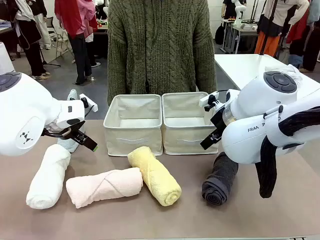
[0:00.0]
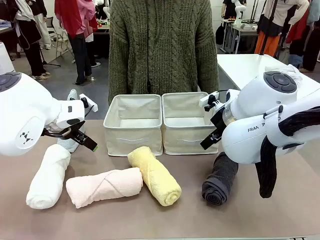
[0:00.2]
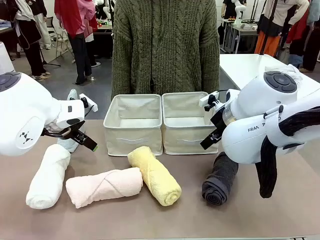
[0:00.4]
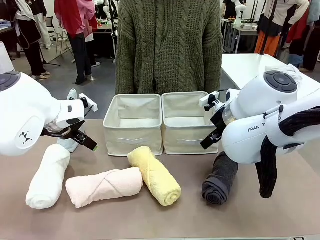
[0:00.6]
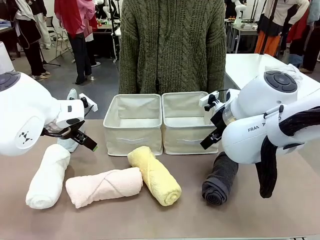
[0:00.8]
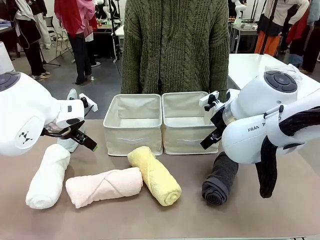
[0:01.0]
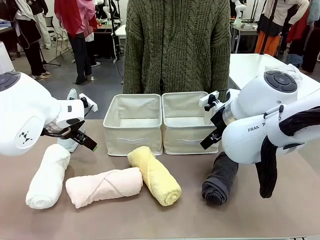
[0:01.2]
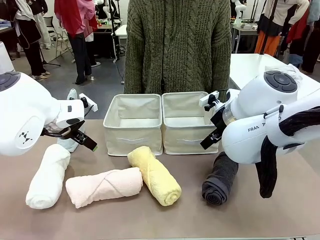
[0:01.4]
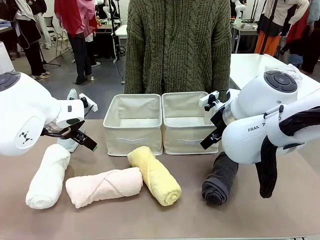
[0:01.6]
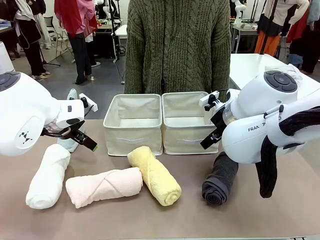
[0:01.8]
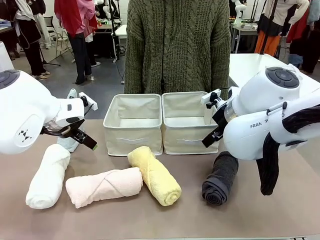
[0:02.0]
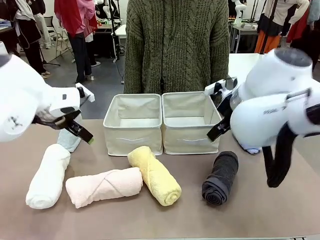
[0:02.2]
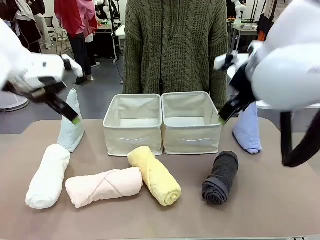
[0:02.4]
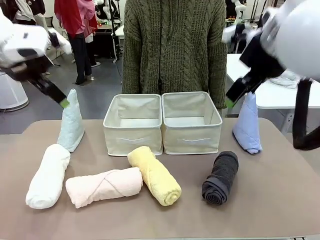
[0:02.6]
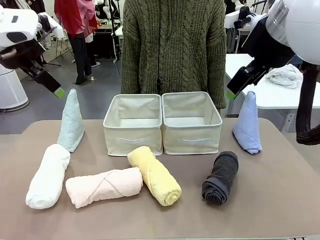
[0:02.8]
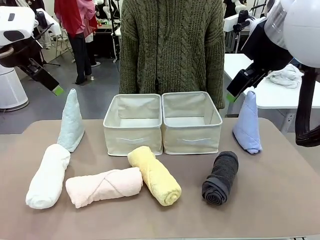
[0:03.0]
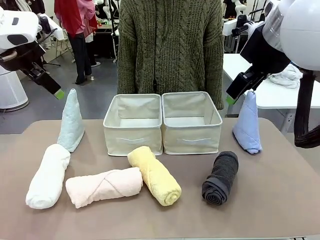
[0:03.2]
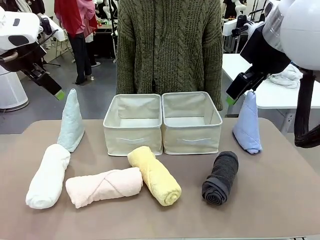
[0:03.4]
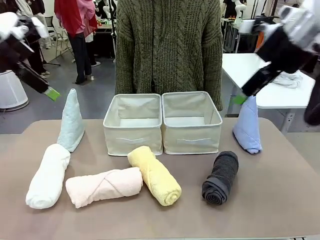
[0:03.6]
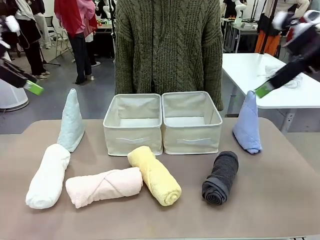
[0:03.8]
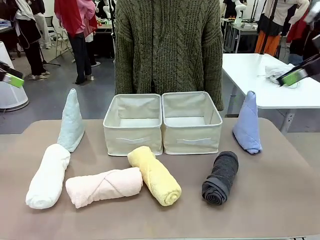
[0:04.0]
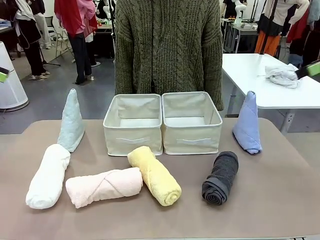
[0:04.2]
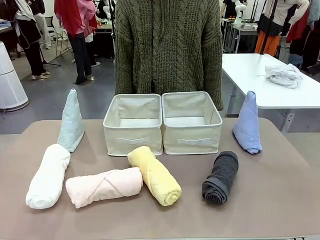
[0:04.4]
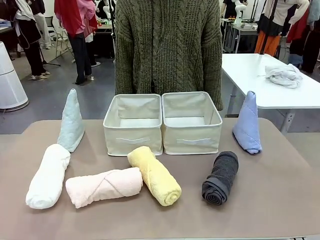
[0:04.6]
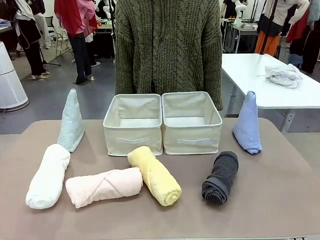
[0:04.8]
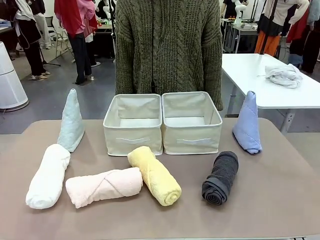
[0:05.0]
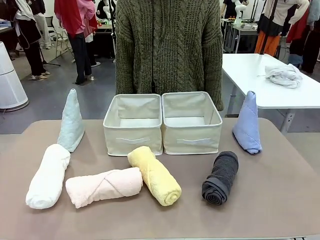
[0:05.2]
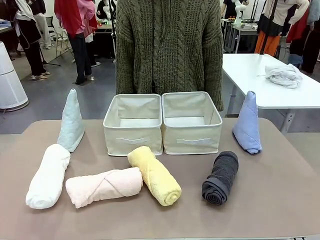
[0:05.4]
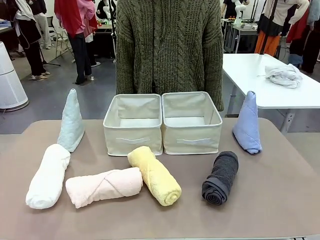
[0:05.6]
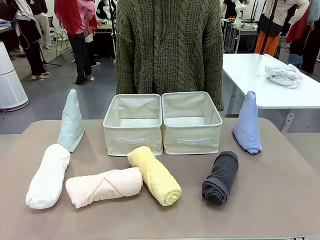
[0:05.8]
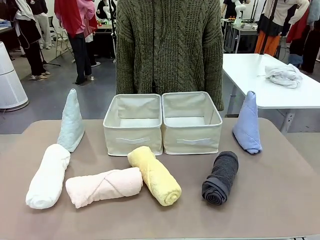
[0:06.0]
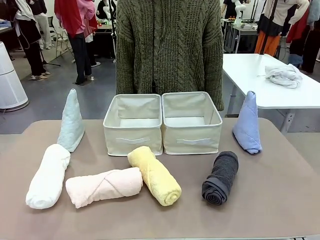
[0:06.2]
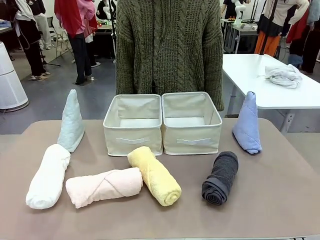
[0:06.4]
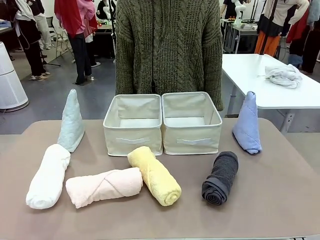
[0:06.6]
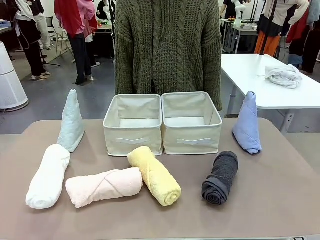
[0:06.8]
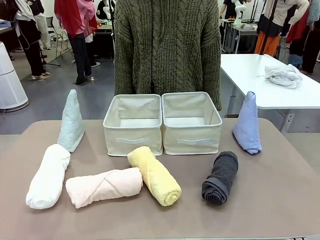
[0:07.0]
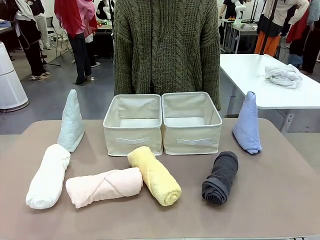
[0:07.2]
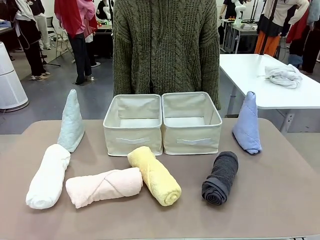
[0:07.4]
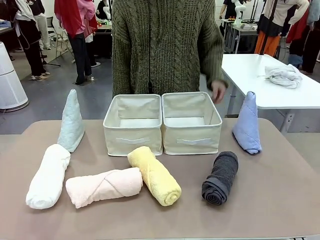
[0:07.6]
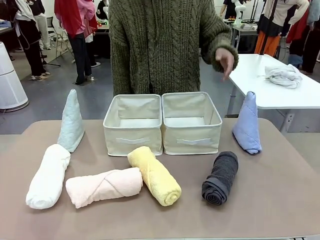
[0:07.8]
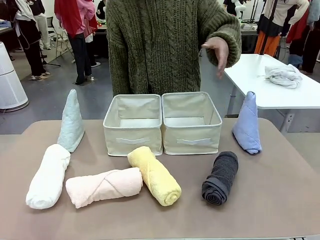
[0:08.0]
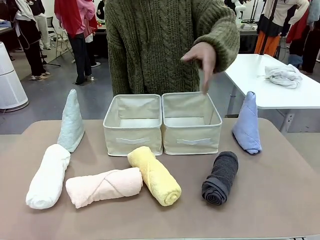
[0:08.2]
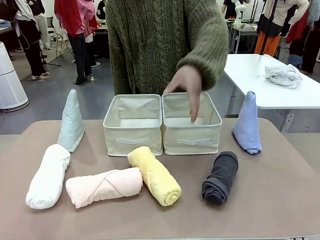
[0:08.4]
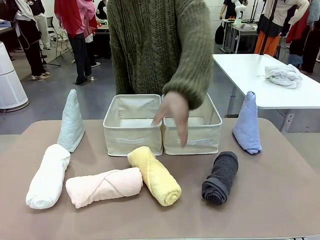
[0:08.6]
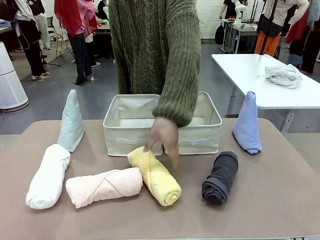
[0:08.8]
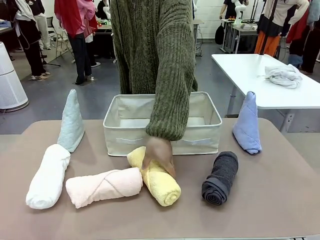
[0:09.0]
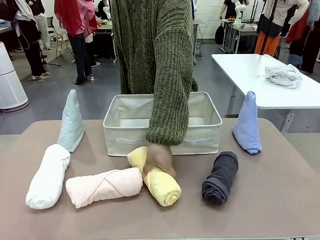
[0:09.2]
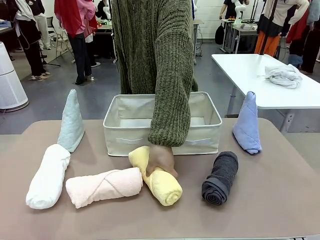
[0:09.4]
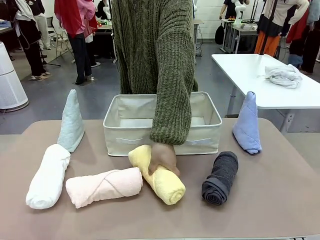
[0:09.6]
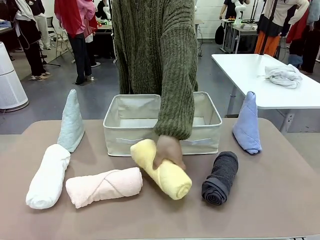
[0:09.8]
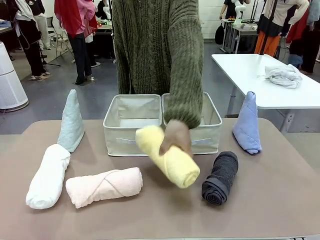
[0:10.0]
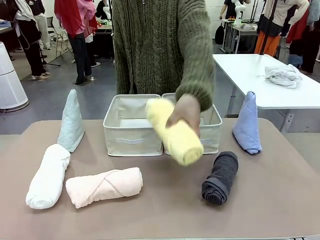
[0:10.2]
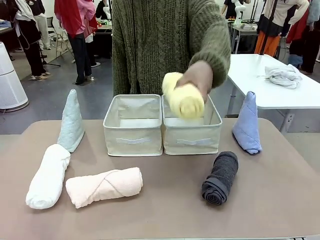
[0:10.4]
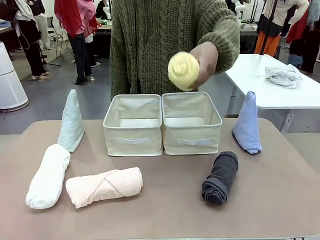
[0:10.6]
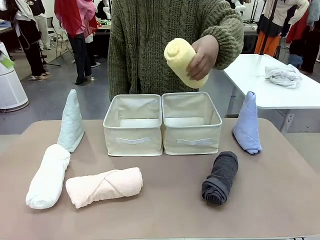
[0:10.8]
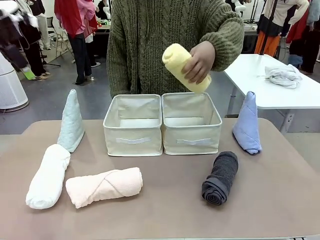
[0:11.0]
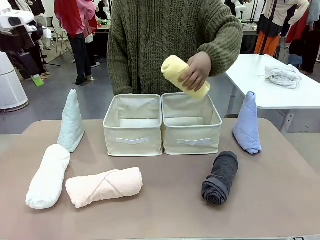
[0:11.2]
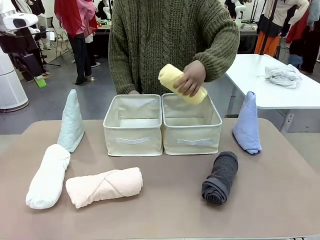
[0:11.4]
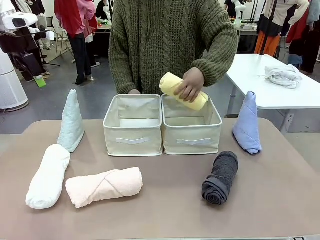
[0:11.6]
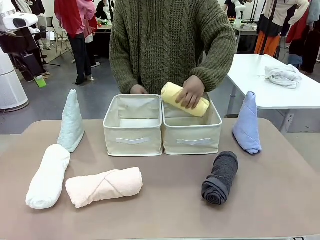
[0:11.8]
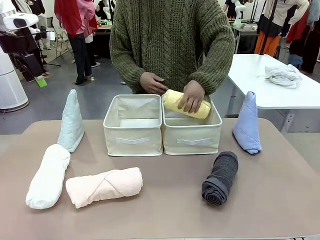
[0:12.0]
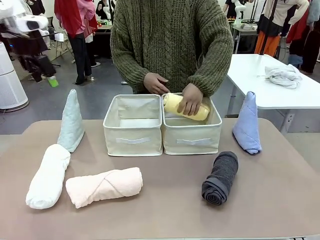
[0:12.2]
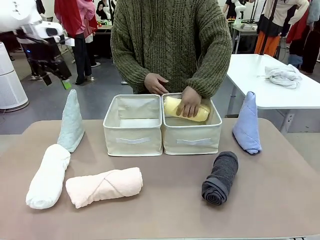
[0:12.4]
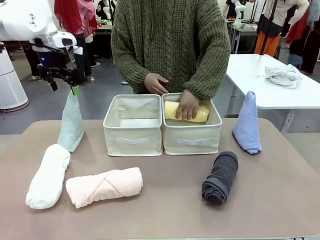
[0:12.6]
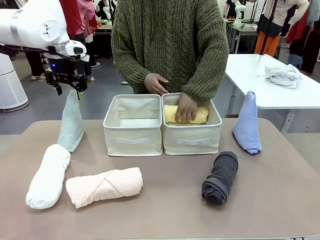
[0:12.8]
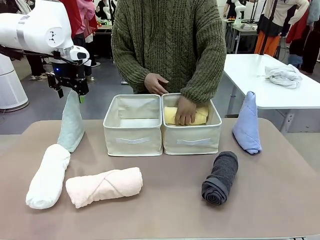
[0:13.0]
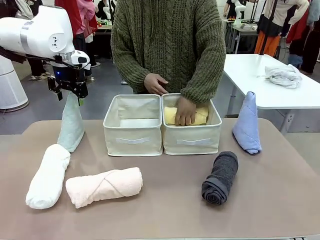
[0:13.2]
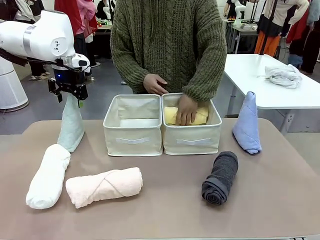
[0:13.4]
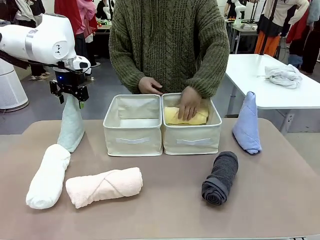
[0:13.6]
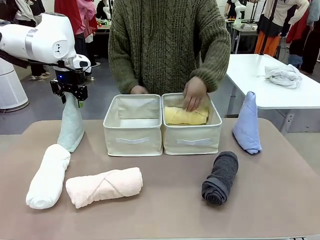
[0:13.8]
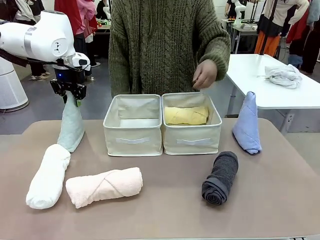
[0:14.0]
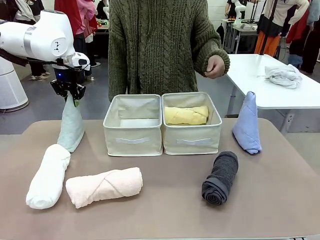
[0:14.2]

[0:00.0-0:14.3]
Task: Sort the towels based on their folding style.
Robot: Pick up one triangle-folded towel and place it in the left Fabric basket.
Person: Pick up one hotel-style rolled towel and place it in the left fabric basket.
